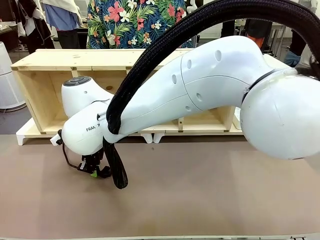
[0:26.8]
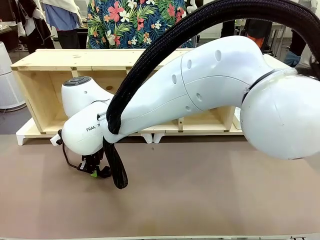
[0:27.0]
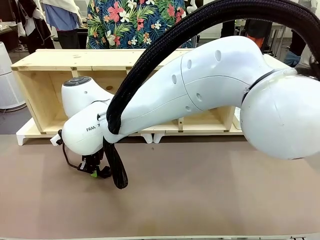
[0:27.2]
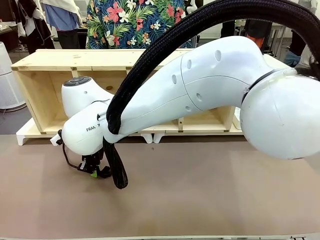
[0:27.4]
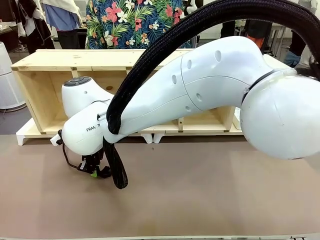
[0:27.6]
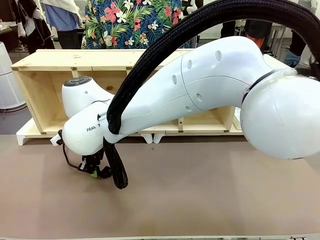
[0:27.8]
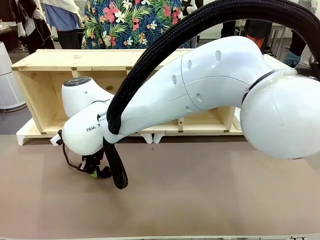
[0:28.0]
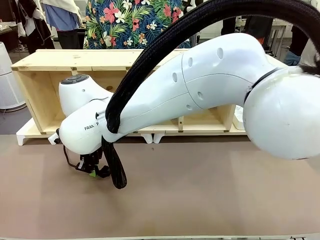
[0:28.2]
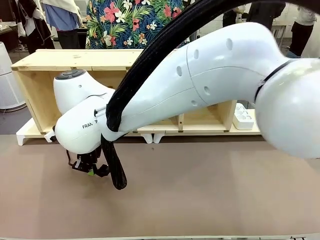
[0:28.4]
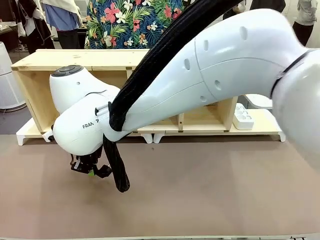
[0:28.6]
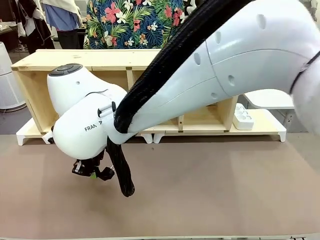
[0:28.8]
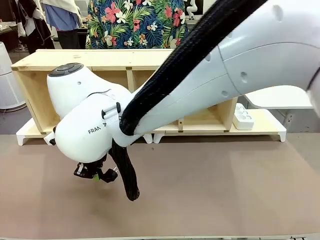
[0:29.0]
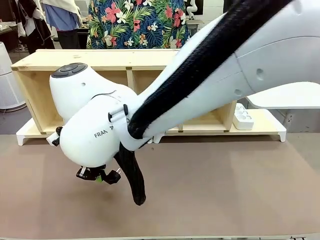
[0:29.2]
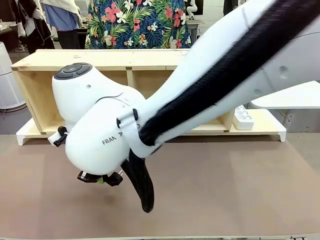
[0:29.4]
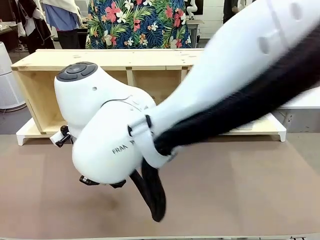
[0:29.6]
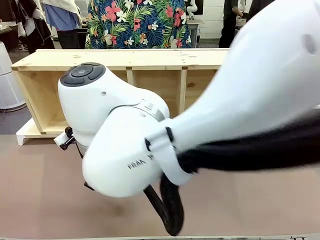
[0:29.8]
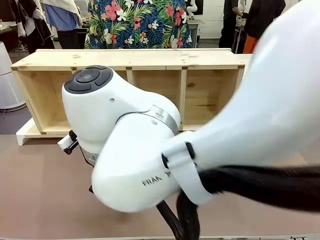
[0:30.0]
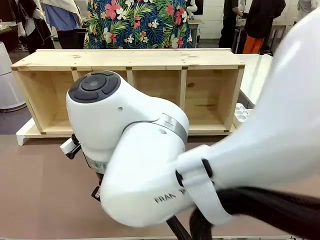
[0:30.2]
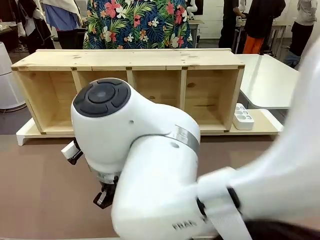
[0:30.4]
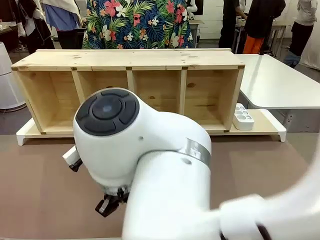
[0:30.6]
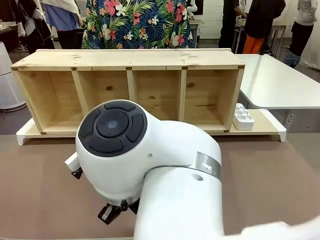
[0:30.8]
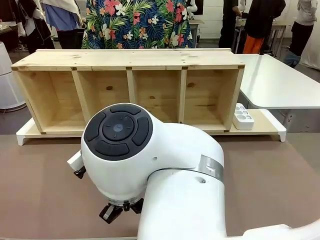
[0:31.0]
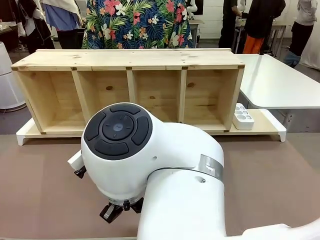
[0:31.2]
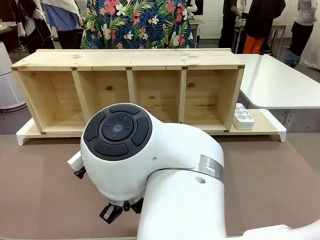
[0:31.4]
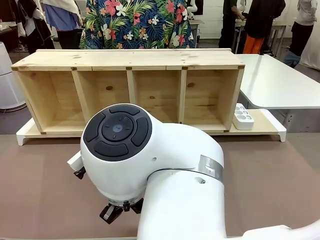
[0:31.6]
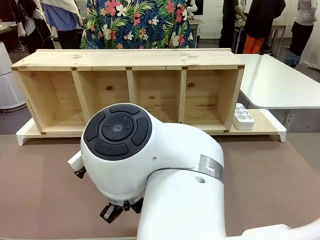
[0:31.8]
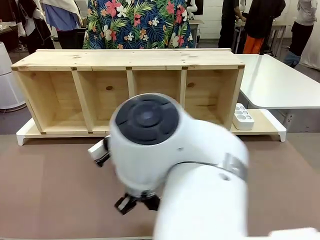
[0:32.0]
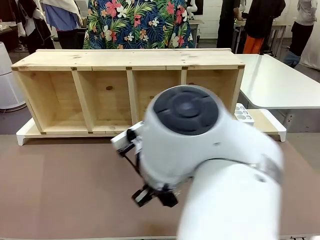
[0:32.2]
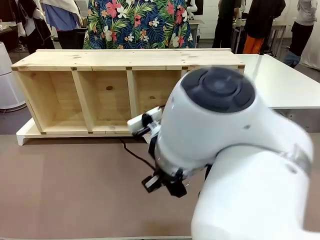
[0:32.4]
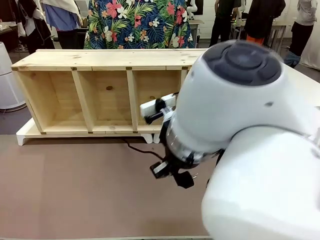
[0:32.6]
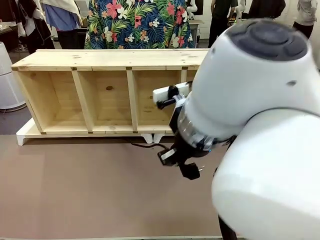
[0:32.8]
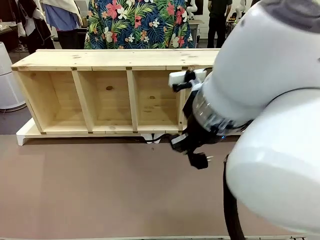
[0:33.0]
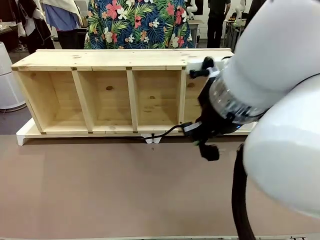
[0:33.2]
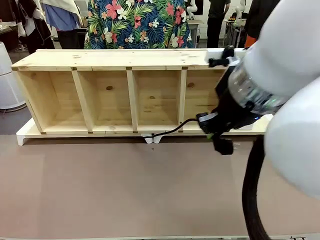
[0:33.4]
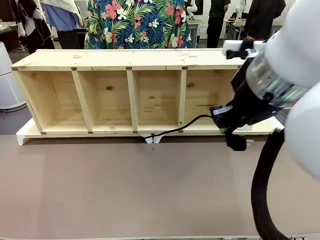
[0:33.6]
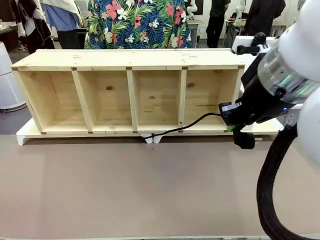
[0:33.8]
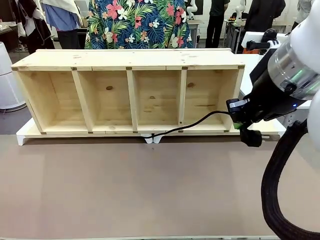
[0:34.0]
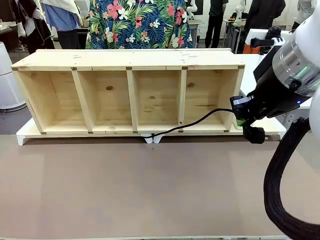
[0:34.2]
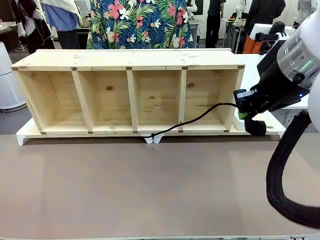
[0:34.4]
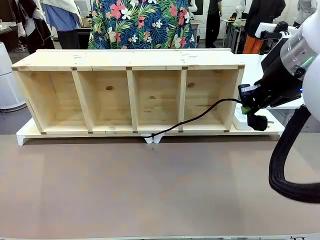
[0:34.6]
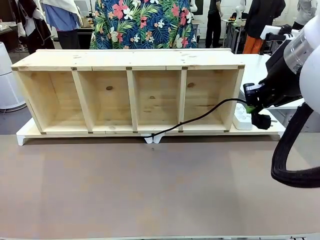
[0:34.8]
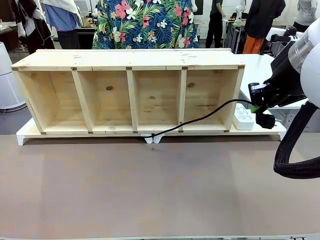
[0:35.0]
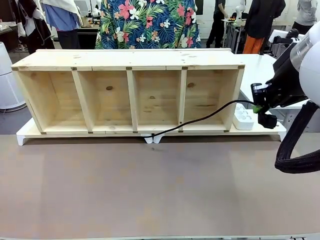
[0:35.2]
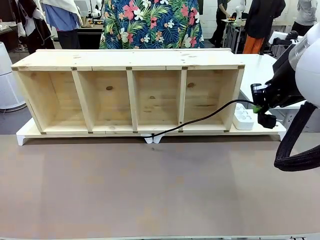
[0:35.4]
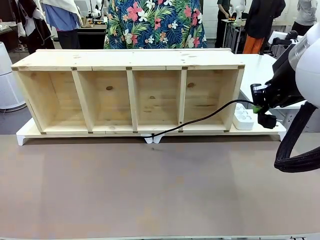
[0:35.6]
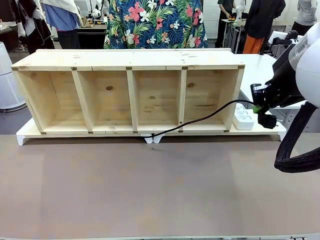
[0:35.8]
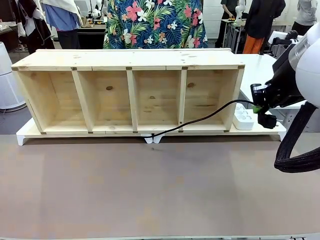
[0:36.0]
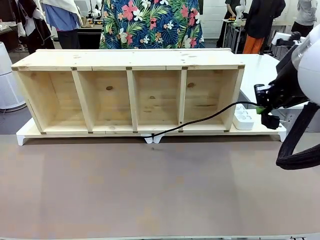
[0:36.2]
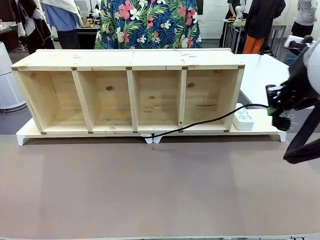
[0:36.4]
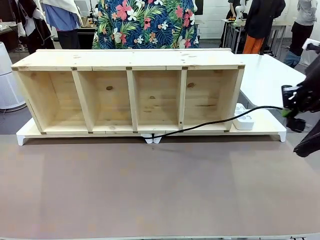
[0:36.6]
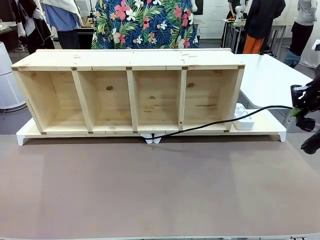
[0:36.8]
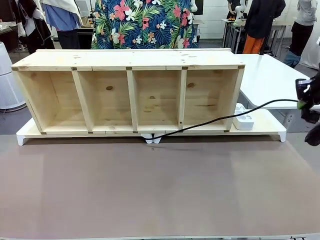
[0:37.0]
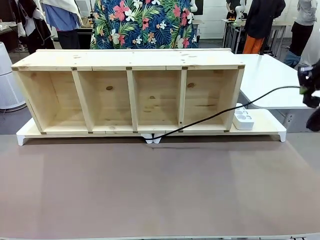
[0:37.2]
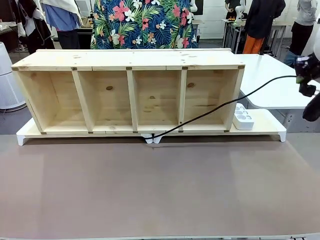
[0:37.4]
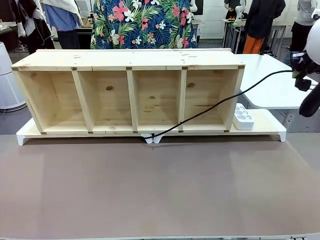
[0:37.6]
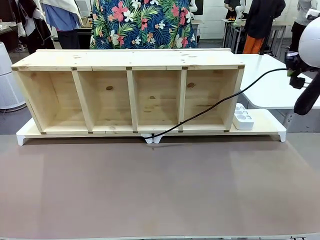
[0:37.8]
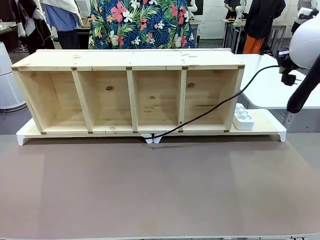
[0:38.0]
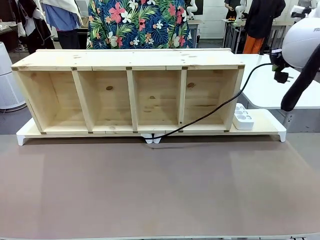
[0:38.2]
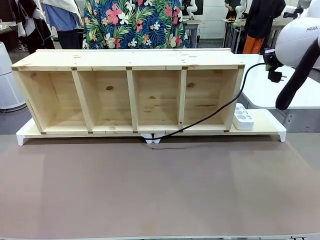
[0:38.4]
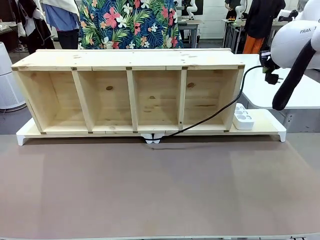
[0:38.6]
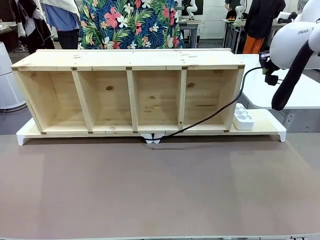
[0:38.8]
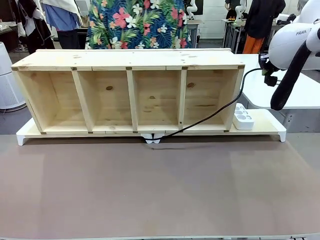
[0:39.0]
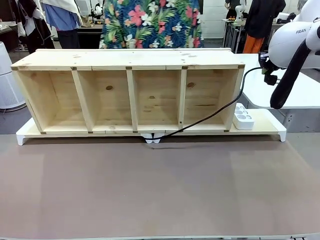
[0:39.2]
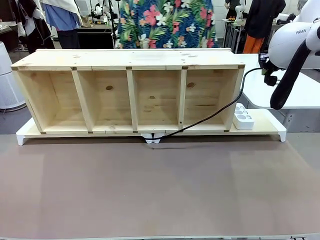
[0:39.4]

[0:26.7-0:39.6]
Task: Perform cable management.
Robot: Pull the grasped Power Cable to the location of the Power Strip.

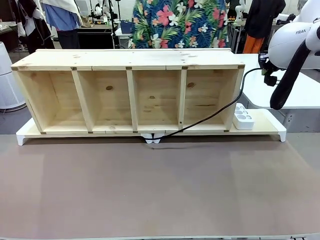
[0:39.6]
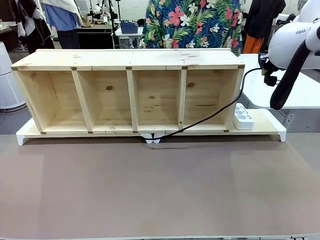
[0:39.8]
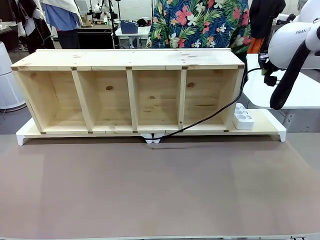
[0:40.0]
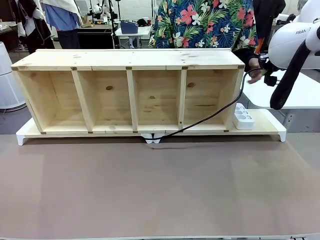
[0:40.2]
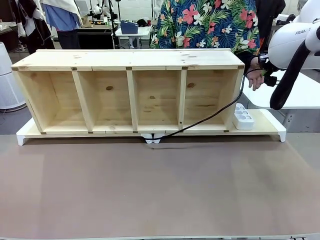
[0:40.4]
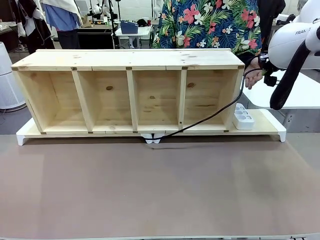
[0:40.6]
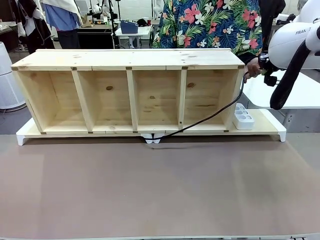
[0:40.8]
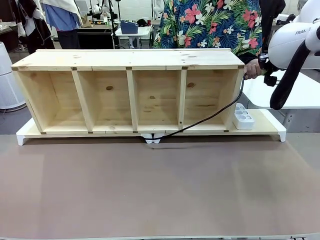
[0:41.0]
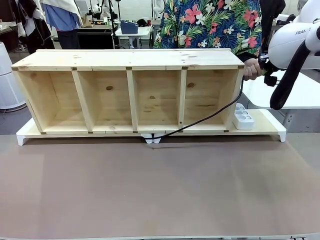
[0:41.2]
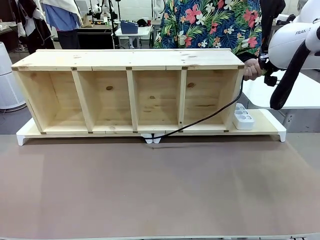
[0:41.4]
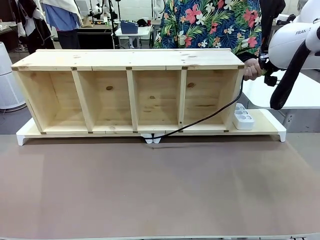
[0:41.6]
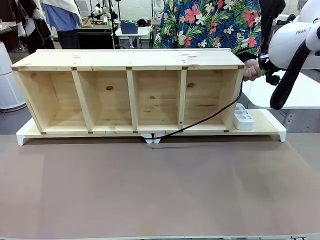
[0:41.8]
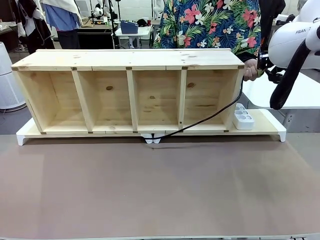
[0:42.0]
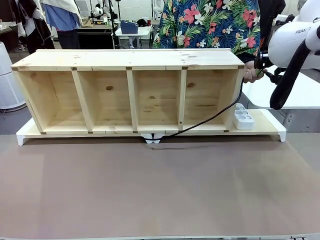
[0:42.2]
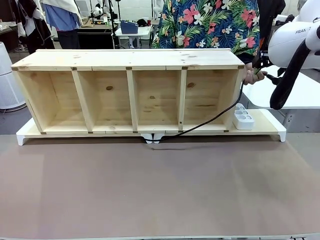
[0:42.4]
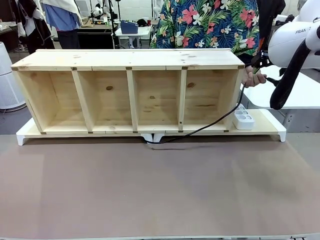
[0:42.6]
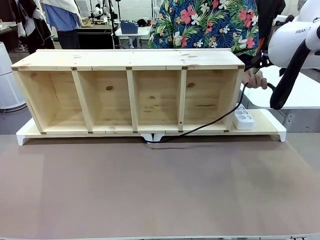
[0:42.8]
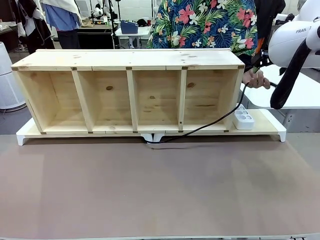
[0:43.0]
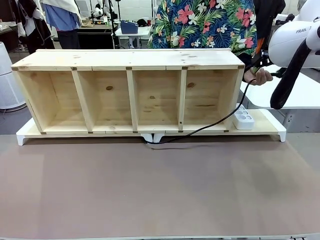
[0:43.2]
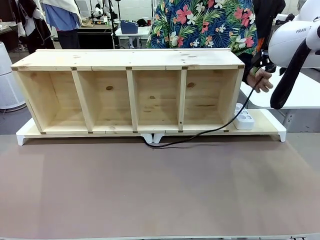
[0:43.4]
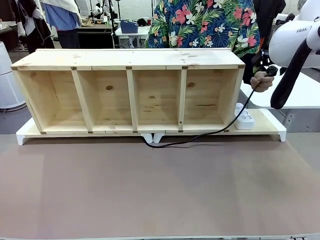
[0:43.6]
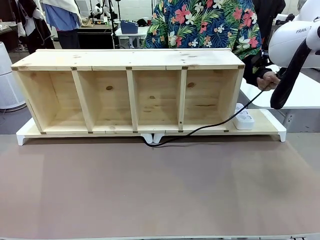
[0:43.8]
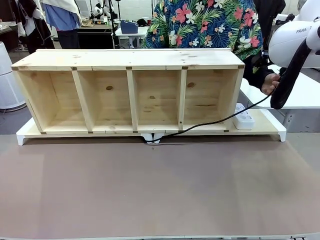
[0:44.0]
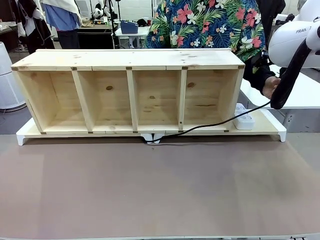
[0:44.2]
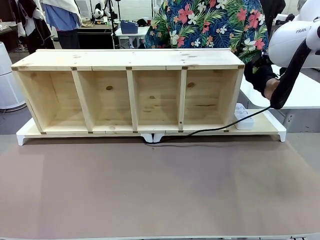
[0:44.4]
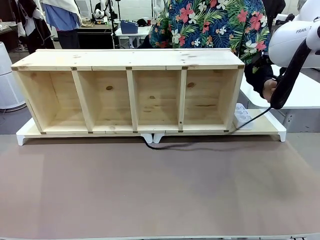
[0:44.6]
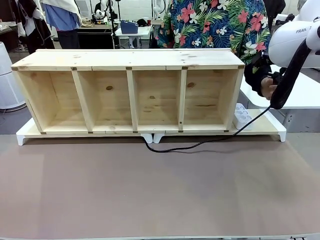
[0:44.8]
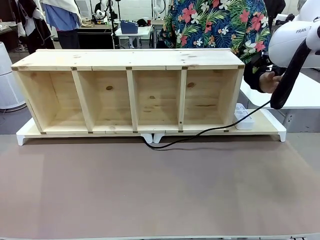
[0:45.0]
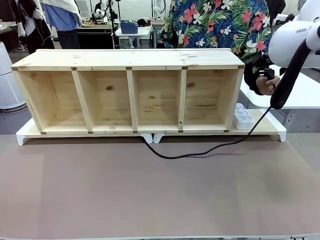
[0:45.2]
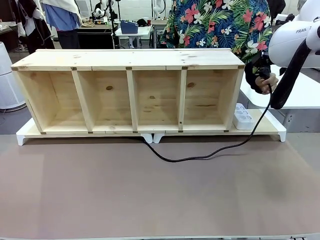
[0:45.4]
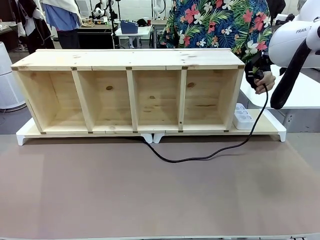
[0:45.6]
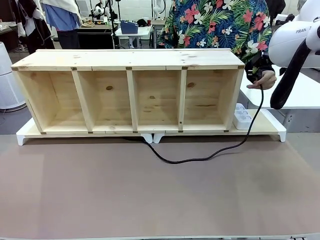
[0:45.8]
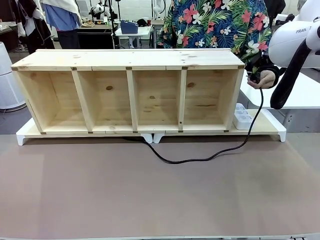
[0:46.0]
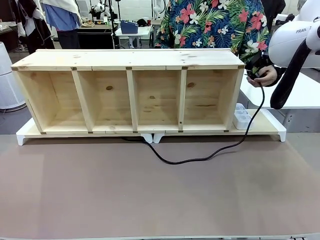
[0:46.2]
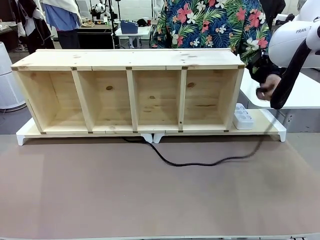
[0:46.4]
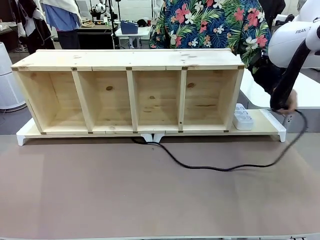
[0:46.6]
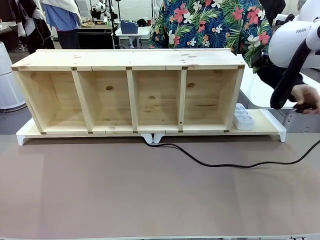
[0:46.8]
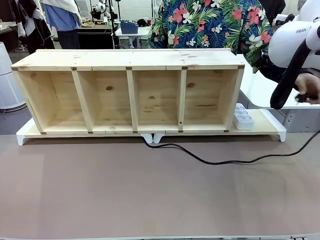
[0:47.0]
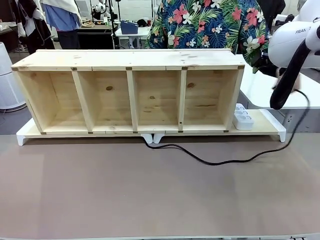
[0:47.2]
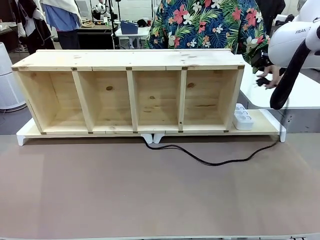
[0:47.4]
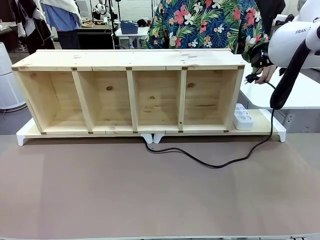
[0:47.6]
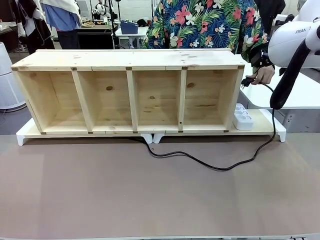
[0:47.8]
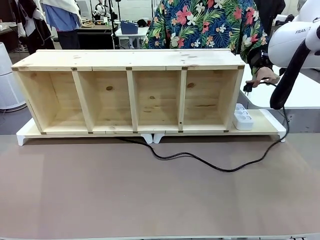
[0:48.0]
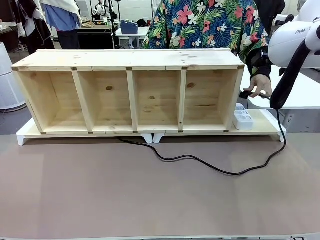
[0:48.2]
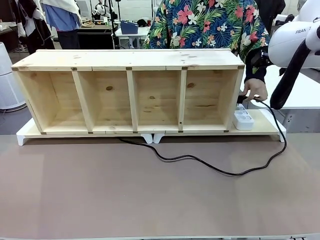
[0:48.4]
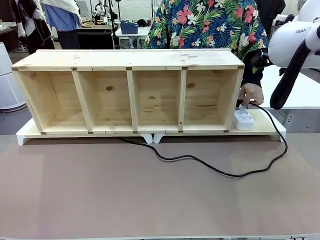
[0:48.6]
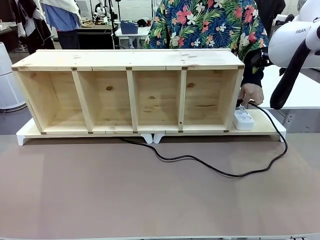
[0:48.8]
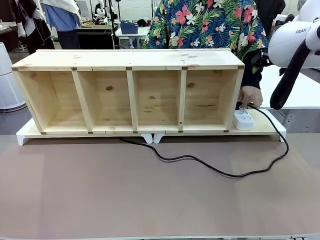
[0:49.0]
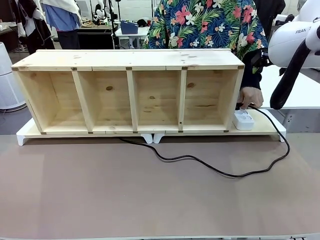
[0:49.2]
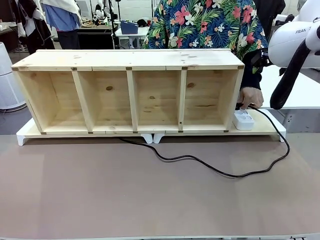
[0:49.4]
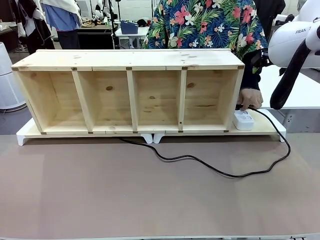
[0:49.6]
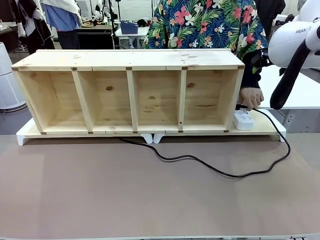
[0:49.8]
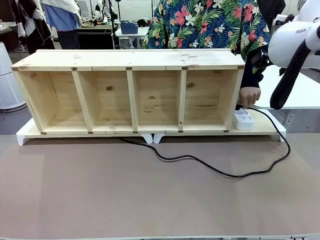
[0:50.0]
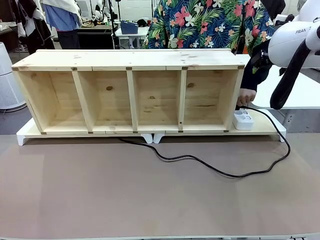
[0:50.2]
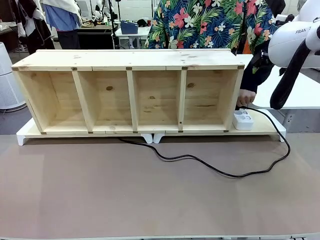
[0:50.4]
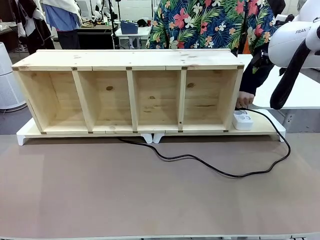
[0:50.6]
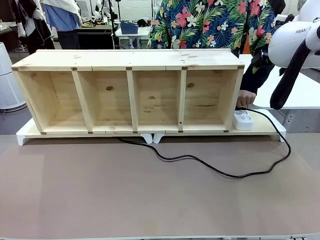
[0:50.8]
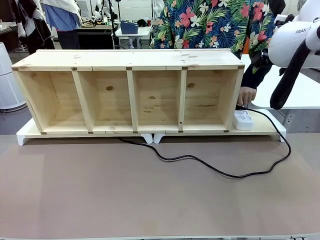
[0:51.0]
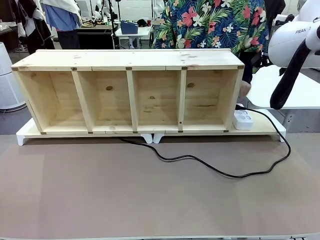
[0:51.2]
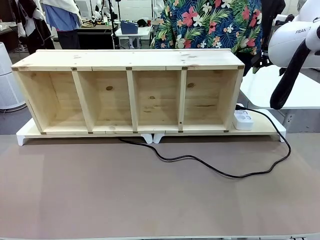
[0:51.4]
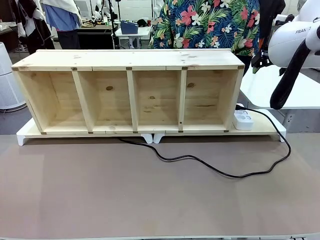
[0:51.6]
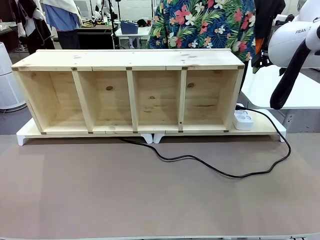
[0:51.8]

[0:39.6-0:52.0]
Robot: Release the Power Cable when the human grasps it.
Person: Plug the Power Cable into the Power Strip.
